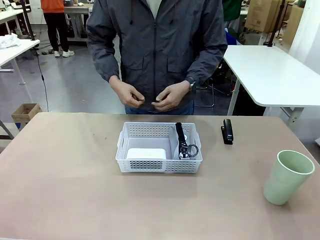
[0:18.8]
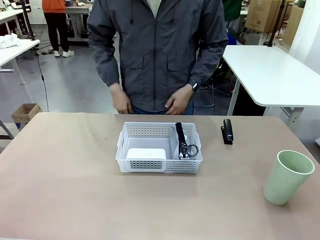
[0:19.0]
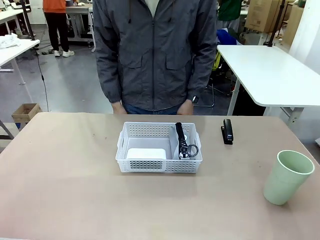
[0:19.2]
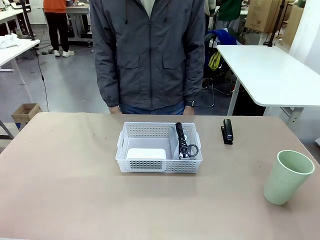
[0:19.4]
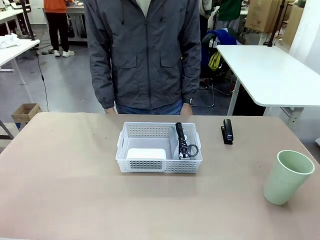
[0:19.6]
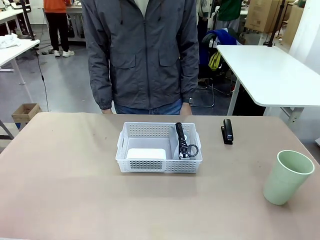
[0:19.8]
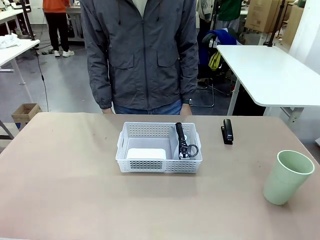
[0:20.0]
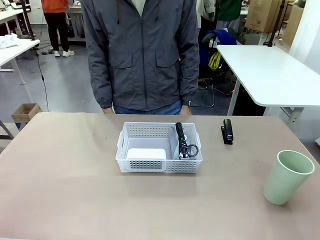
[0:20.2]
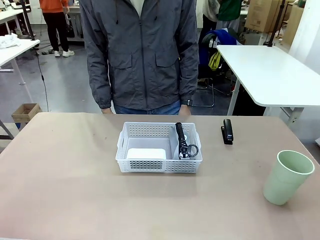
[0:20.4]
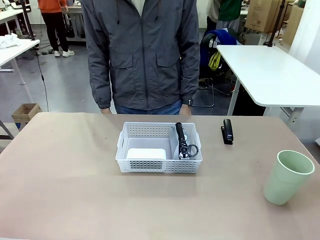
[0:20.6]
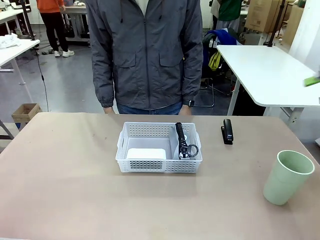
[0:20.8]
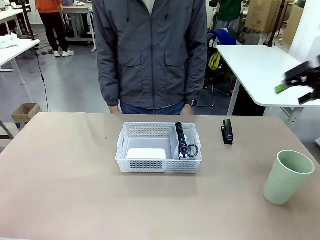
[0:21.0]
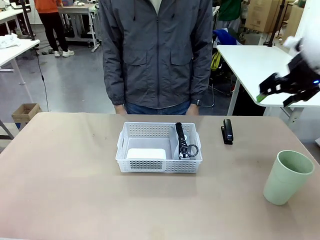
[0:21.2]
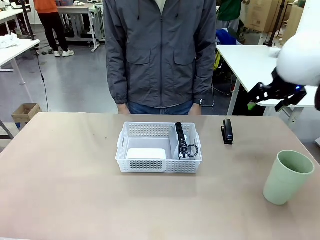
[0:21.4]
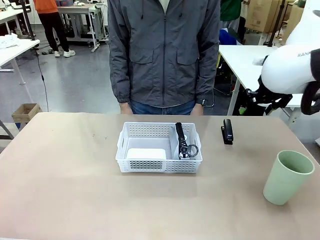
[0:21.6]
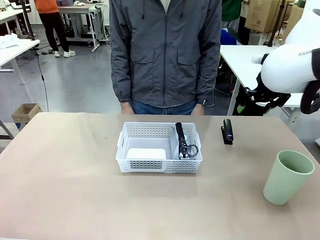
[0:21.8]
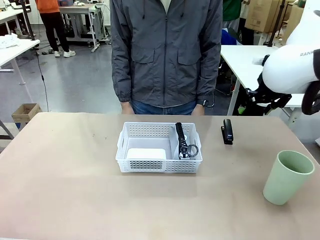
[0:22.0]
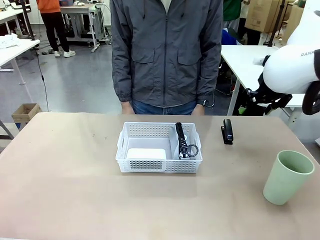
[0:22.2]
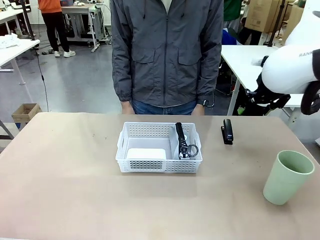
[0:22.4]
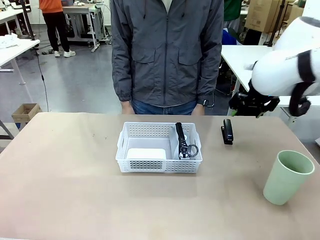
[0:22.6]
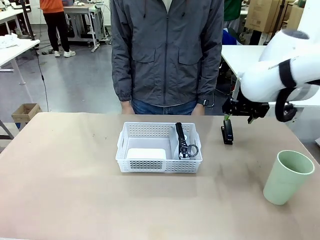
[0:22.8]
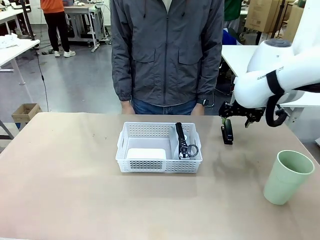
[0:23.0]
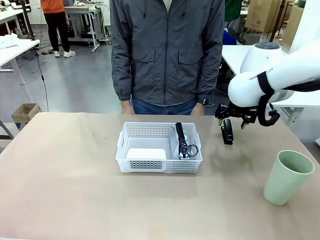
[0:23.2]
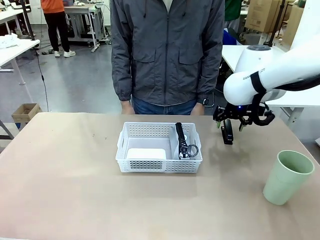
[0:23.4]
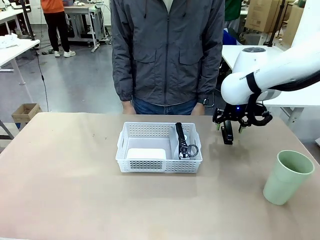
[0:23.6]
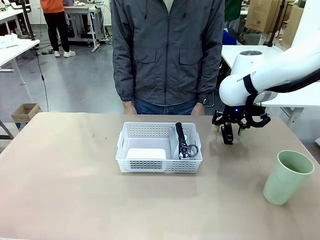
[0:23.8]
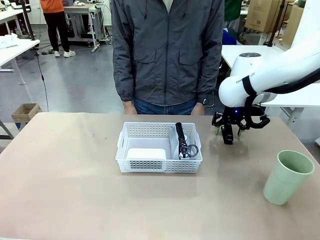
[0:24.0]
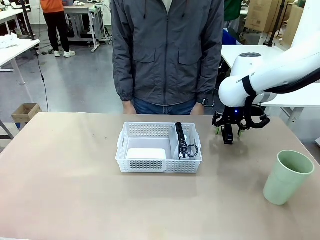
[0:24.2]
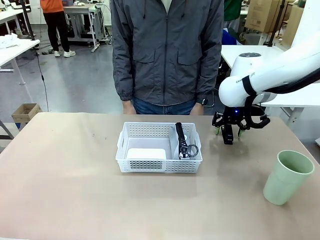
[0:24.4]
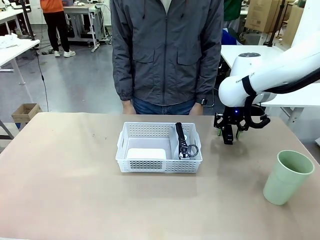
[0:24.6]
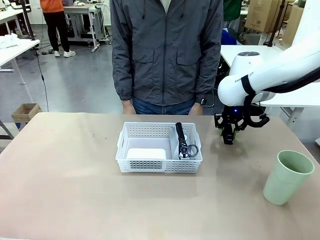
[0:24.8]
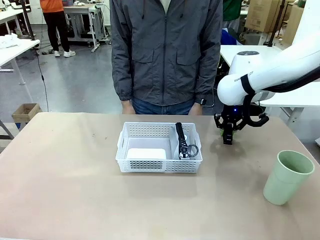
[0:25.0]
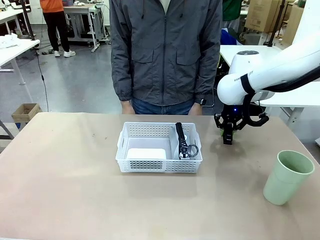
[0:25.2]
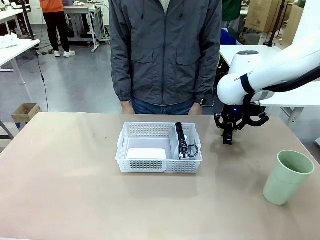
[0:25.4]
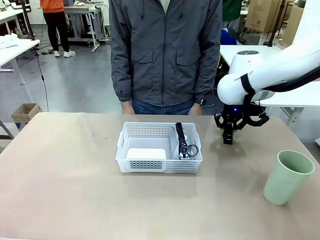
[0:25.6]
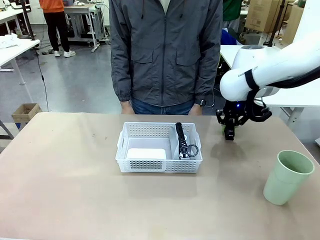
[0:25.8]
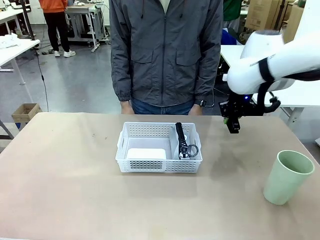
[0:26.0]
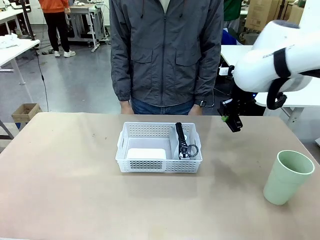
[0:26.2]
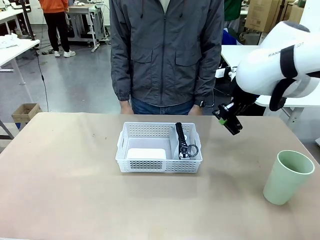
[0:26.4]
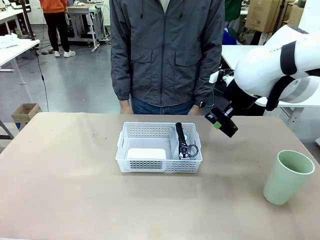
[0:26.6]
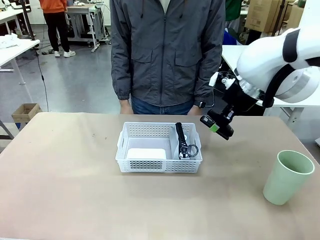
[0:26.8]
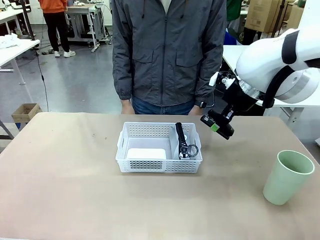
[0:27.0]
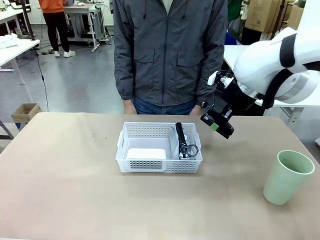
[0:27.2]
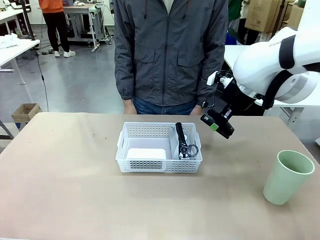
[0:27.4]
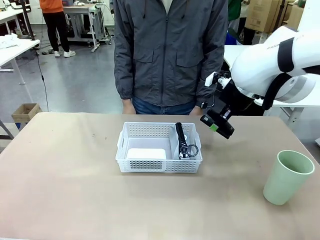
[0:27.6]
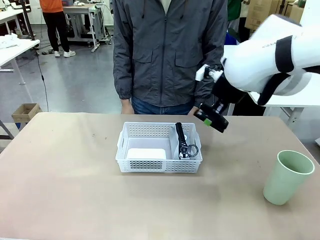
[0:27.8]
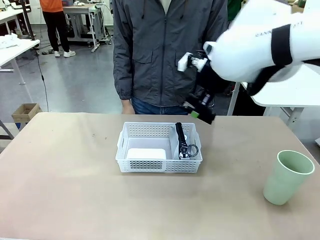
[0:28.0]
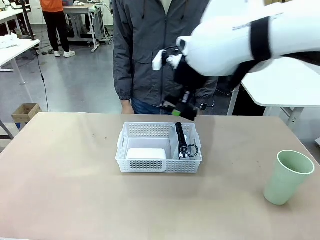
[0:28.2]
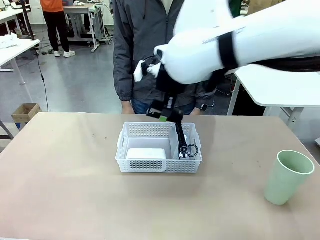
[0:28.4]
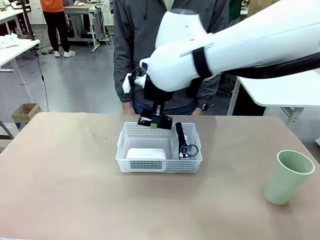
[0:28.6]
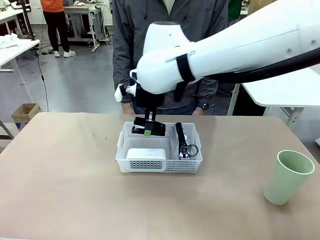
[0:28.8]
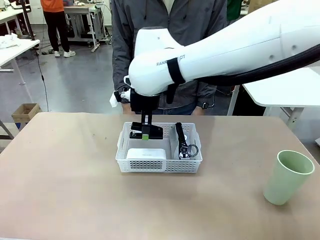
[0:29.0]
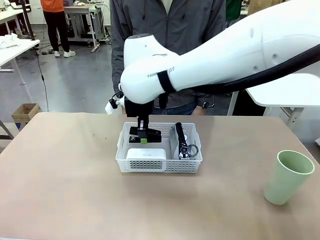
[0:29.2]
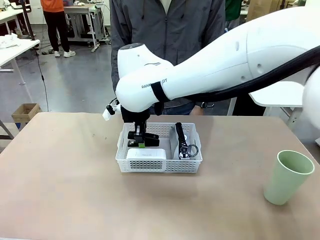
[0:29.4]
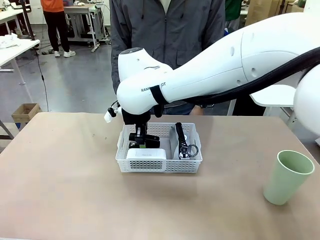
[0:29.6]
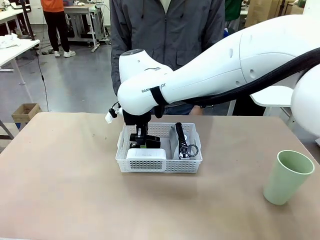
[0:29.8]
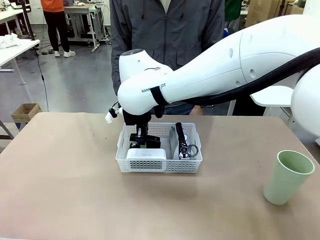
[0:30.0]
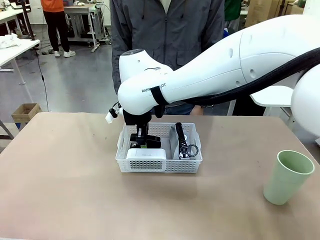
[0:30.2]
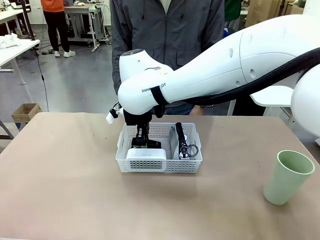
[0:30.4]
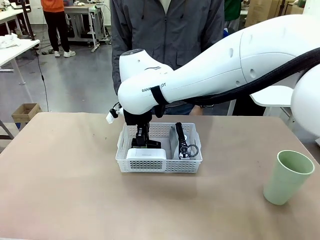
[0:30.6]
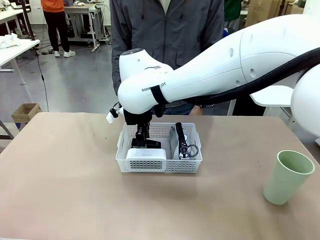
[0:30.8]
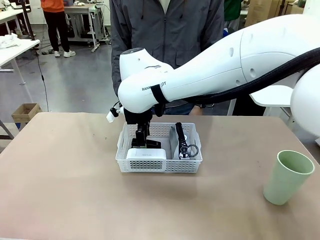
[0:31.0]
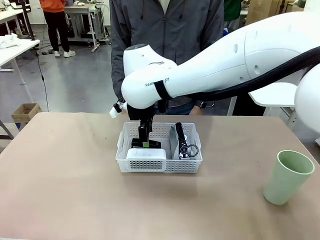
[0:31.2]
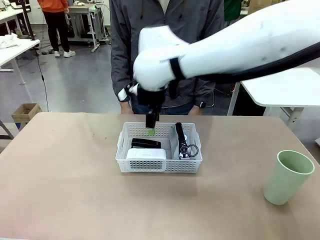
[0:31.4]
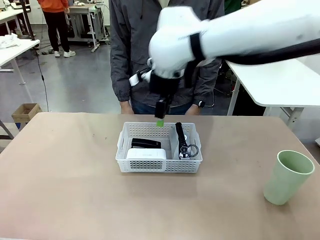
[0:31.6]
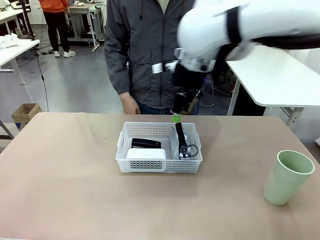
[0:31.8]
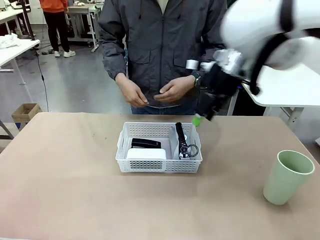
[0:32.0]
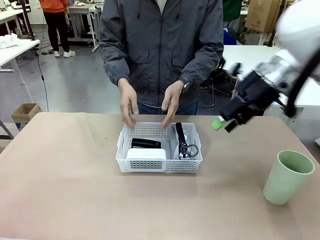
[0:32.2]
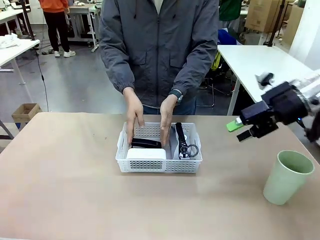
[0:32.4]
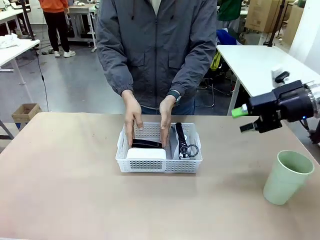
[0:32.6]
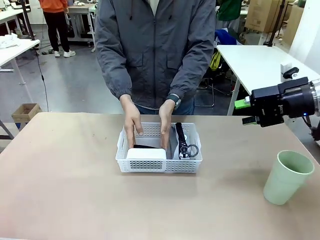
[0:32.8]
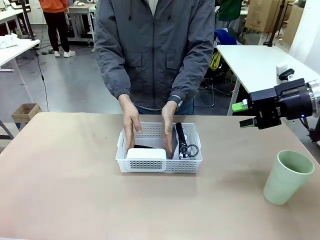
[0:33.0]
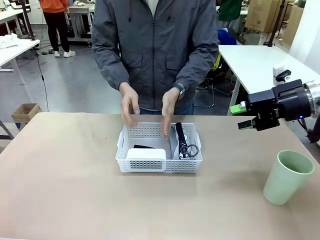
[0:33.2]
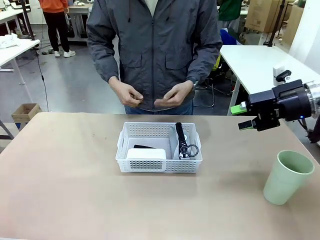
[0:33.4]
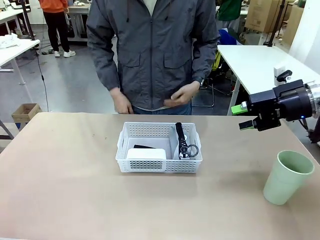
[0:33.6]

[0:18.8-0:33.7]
Task: Efficiently arrange items inside the basket to fit them all.
Robot: Pick up the Stapler and place it inside the Organizing basket.
